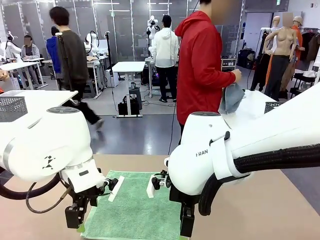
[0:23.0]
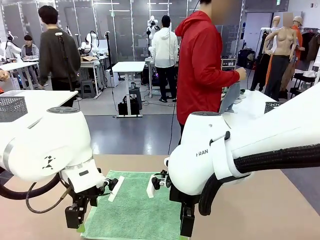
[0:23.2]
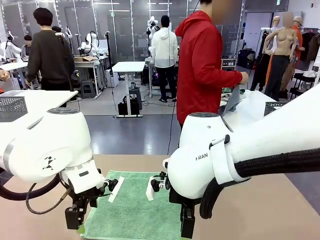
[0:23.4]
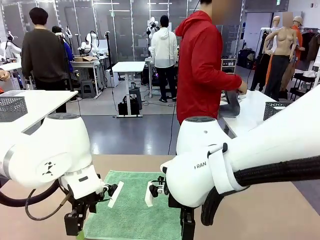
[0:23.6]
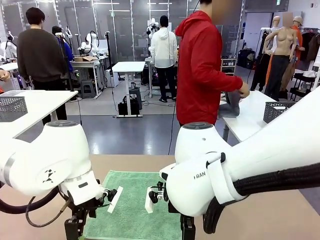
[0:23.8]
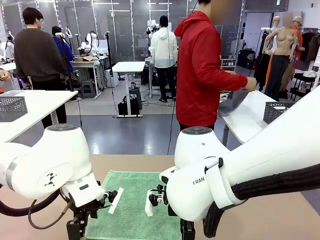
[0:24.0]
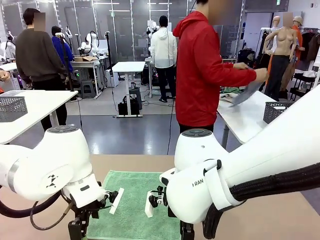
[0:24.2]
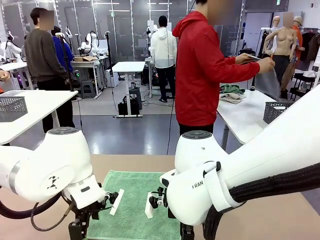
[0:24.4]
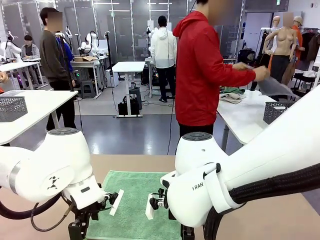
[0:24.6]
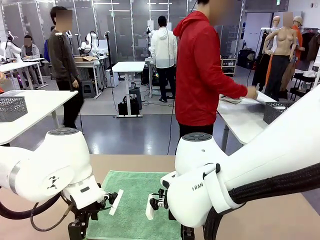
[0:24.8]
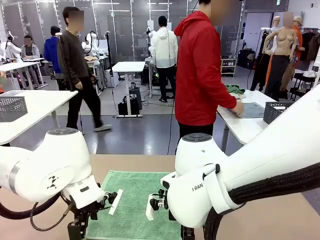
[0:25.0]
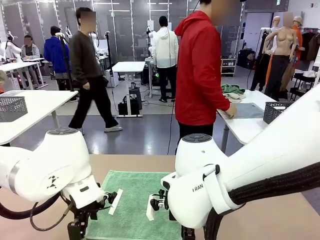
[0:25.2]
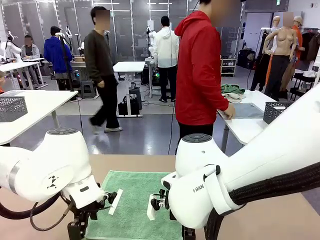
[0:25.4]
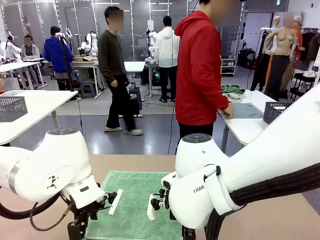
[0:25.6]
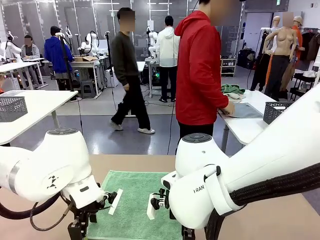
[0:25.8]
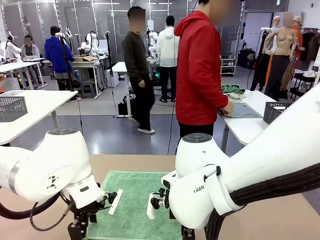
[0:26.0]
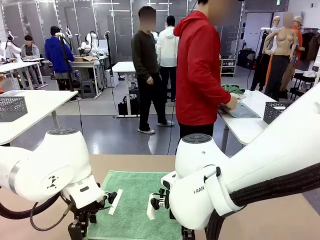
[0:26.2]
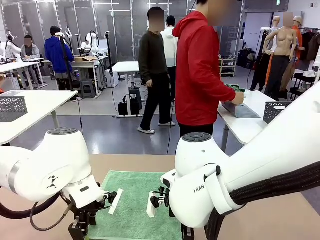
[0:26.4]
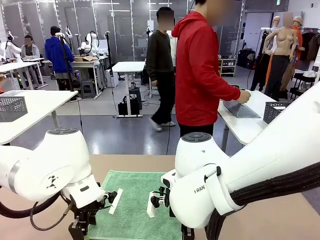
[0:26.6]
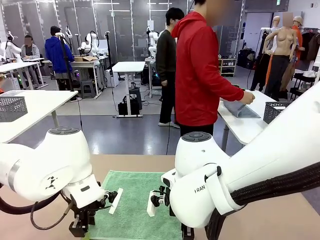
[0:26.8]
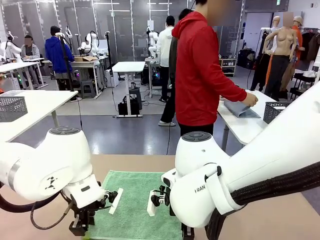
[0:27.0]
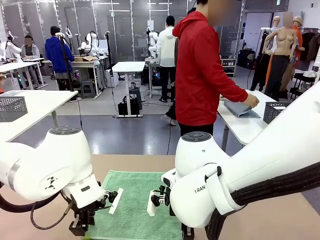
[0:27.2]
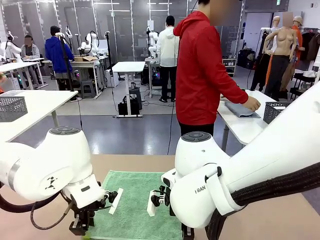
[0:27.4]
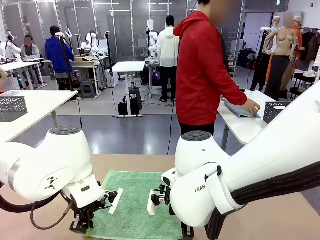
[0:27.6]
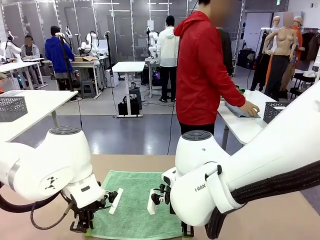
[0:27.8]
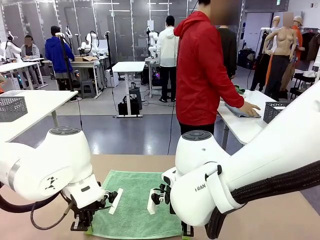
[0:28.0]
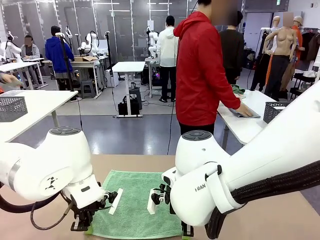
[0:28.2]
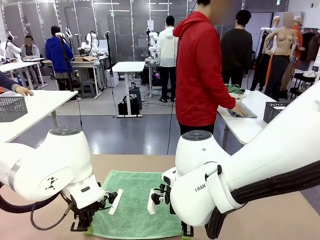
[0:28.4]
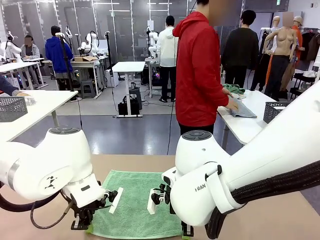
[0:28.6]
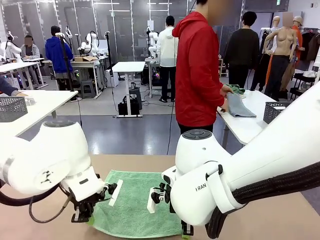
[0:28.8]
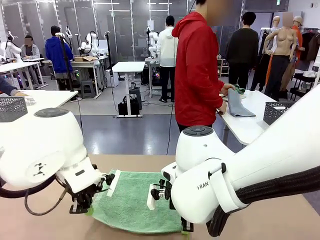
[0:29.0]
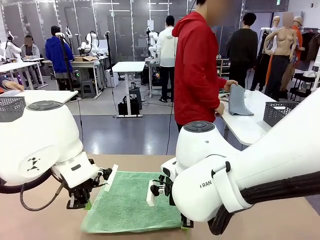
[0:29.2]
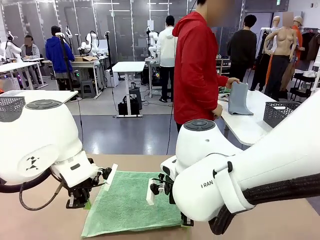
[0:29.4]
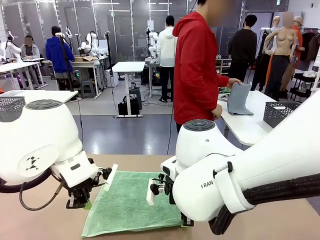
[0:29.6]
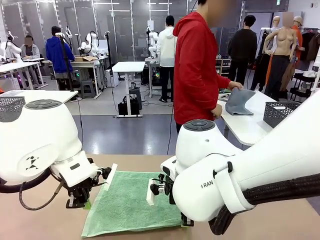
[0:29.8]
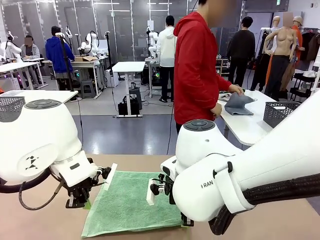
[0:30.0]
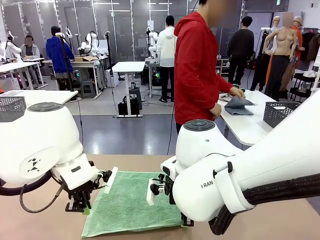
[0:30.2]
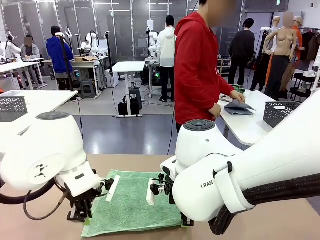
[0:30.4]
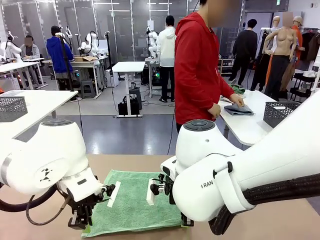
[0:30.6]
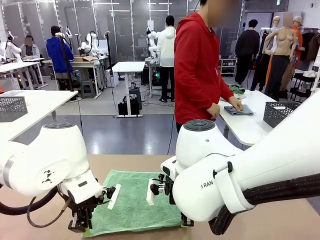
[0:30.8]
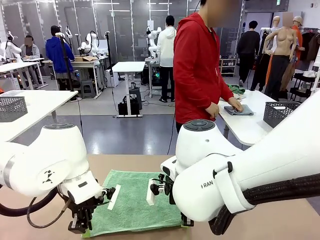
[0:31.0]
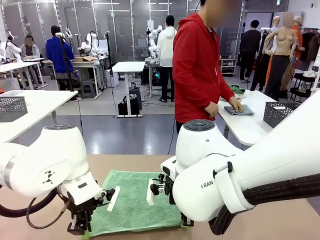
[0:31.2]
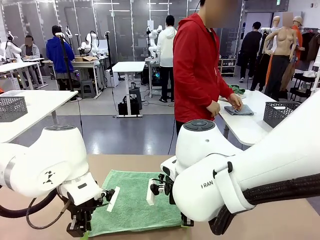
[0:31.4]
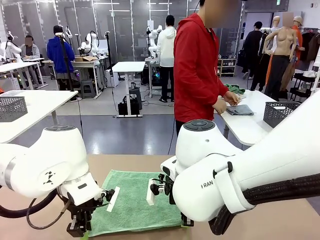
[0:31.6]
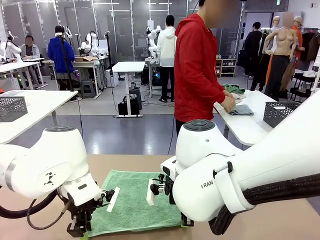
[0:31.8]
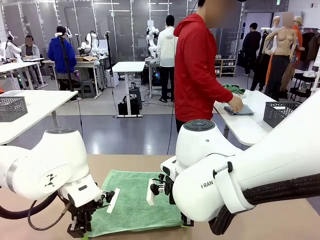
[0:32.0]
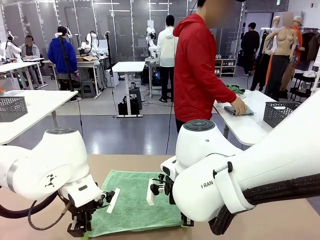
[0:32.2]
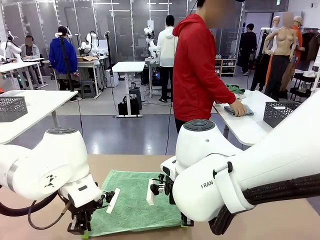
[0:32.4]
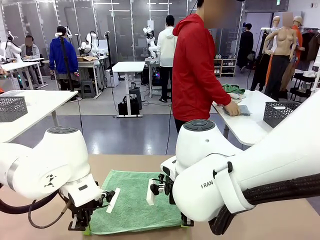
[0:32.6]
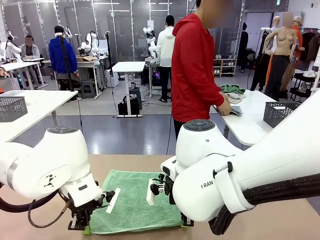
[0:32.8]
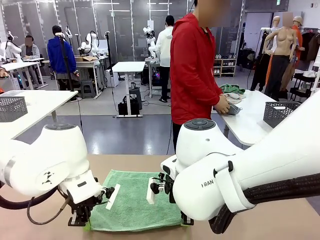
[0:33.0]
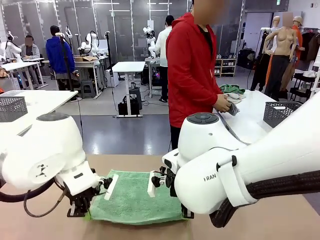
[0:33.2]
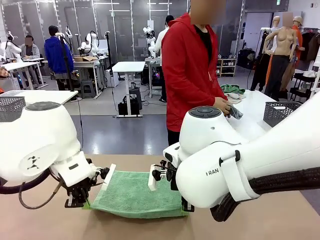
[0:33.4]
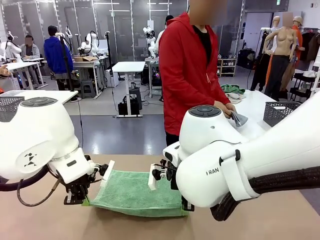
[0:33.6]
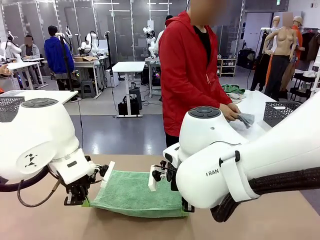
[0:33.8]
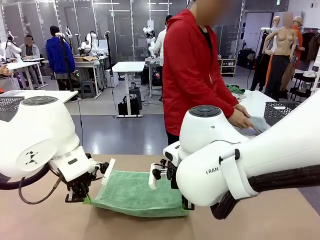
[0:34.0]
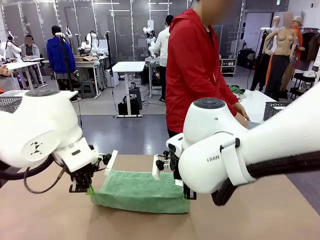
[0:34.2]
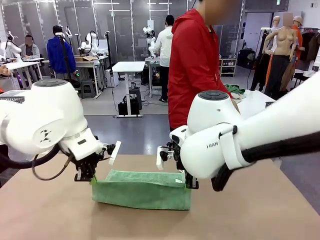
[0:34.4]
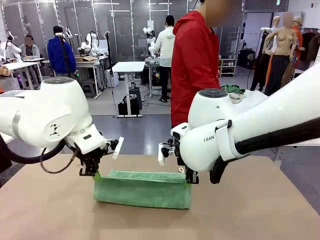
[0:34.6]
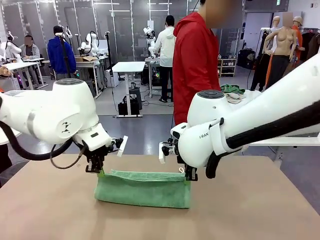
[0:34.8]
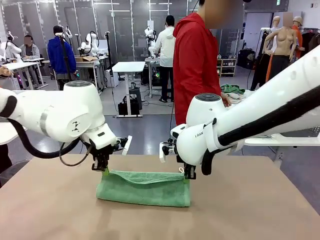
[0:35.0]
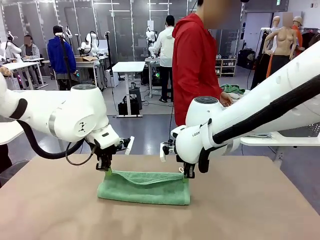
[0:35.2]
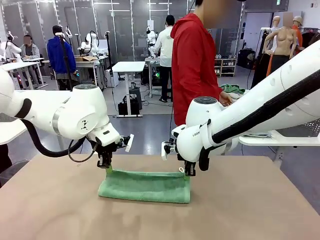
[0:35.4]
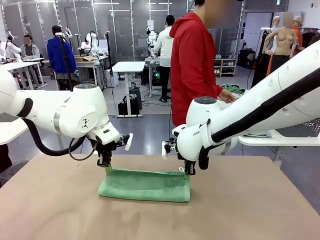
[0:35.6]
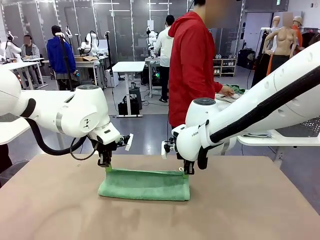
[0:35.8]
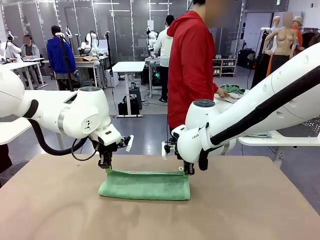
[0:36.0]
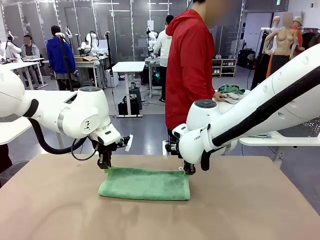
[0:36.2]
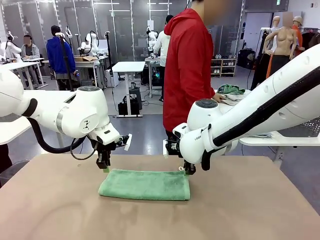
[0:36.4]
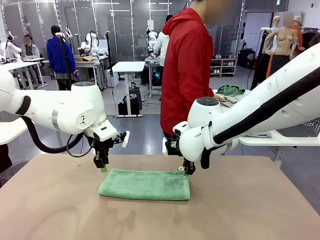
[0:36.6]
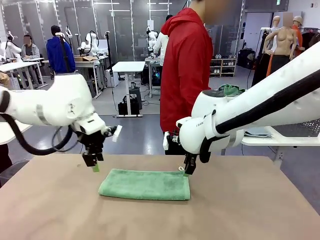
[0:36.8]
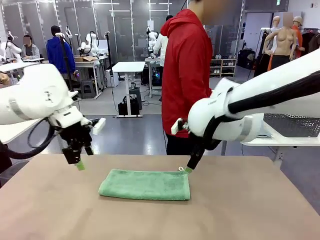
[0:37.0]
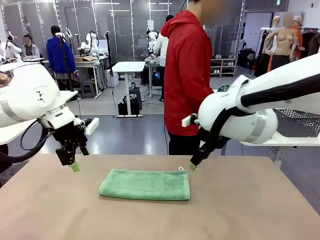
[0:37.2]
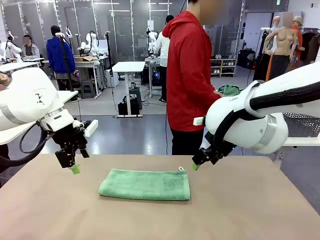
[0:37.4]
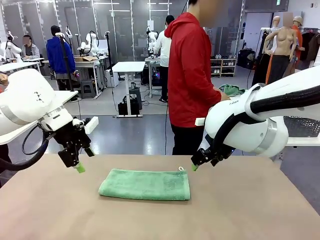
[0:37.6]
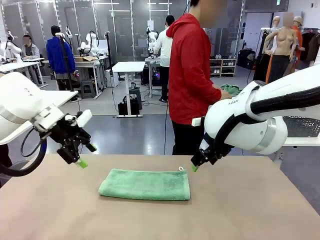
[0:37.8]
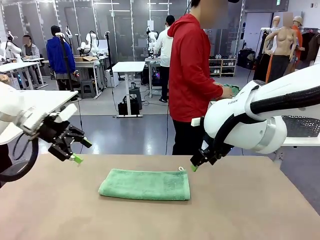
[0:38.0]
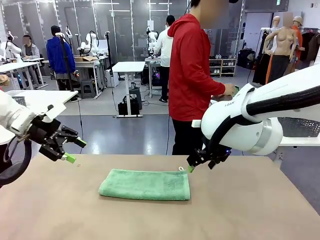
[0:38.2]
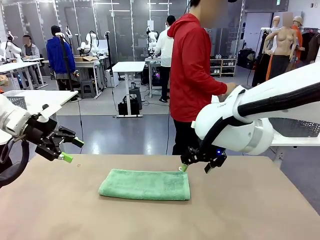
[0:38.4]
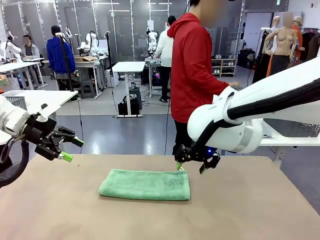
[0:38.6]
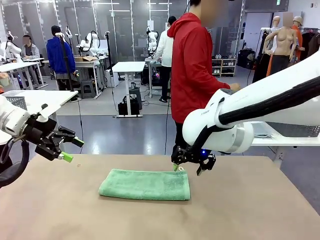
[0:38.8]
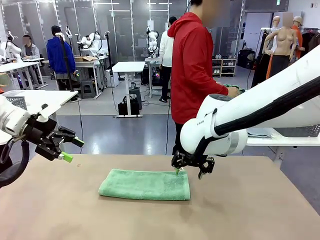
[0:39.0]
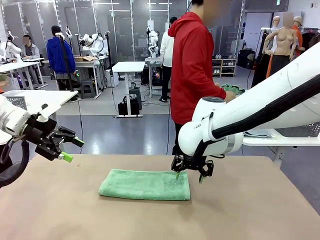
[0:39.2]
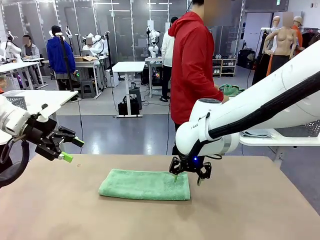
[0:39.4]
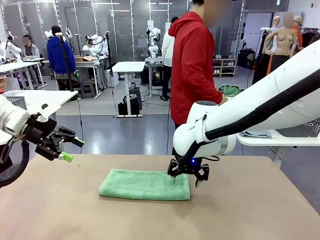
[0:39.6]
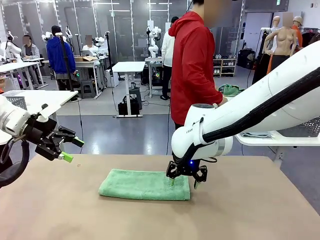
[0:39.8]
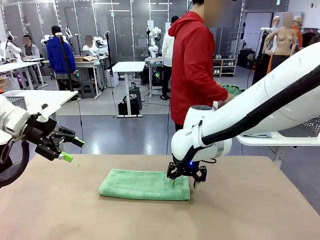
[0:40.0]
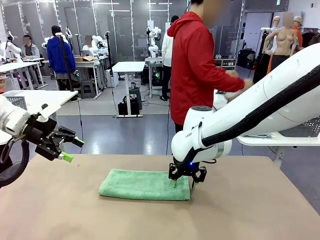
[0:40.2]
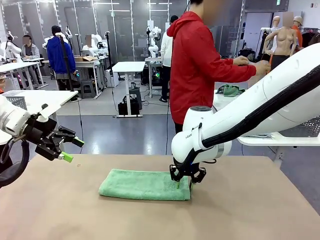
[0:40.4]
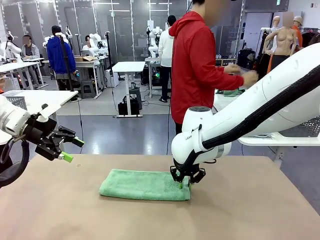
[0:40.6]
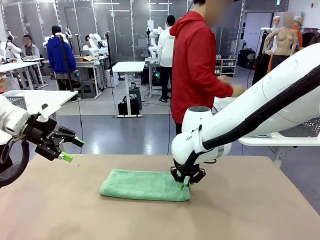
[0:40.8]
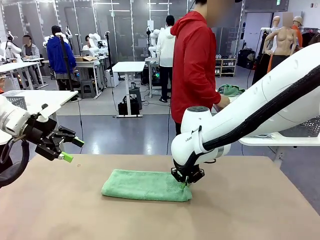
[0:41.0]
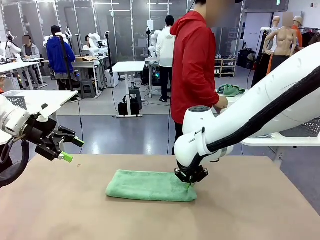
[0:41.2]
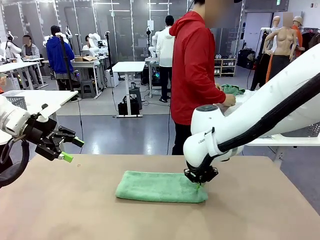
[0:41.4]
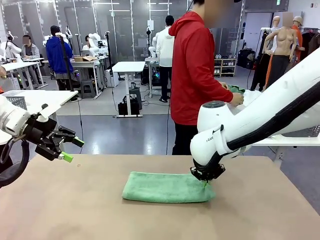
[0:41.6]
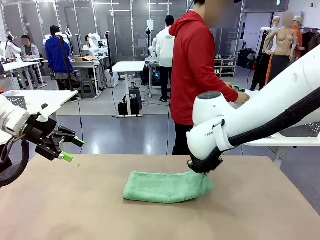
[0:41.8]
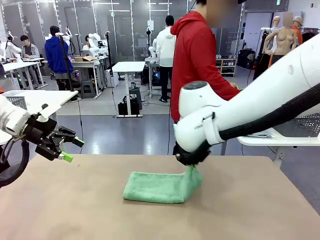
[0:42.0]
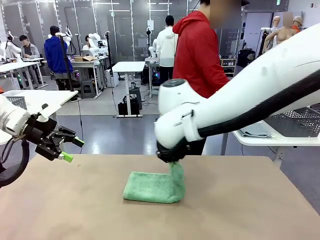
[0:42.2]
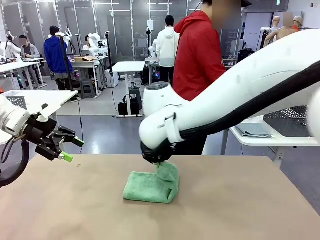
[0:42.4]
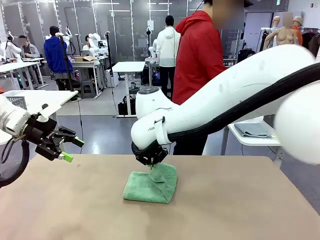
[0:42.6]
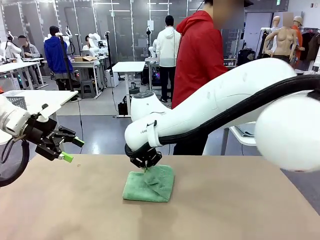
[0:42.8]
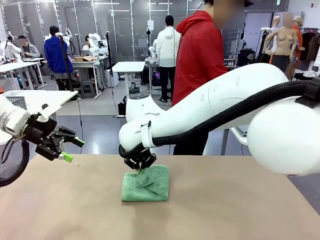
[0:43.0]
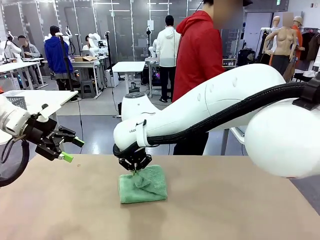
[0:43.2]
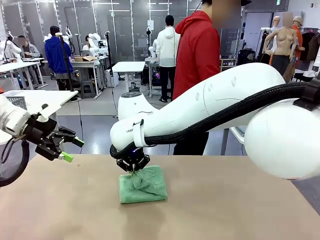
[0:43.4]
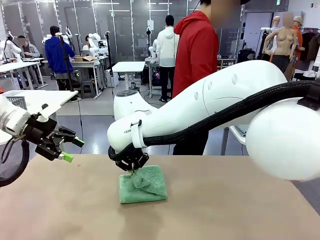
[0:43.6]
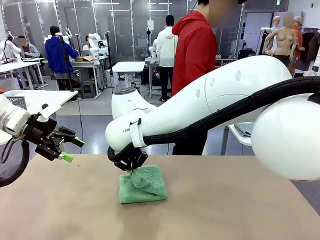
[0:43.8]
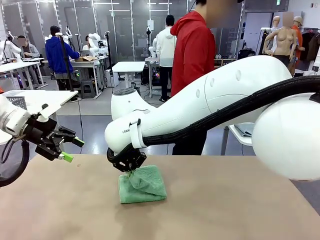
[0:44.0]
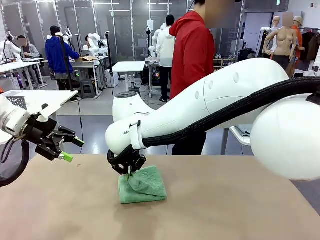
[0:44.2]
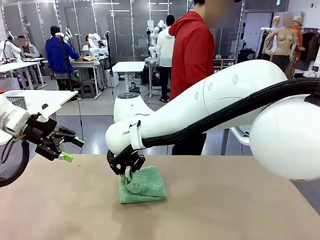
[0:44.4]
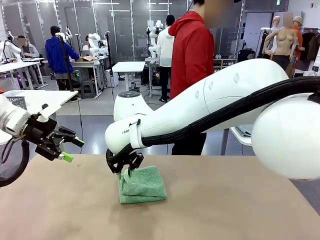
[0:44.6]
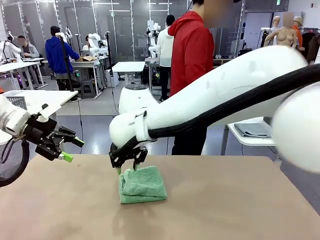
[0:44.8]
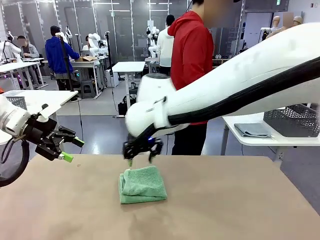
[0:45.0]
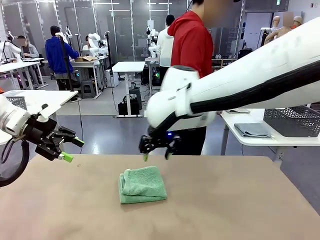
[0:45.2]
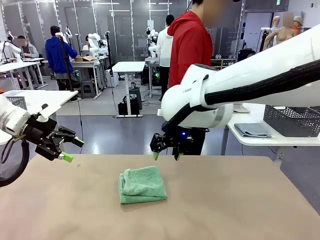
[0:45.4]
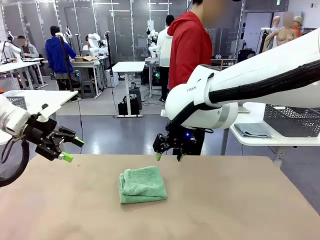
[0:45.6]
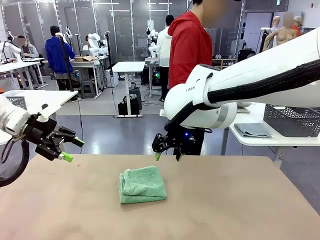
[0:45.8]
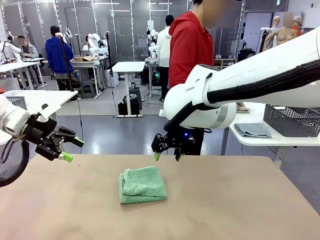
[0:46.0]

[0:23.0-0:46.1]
Task: Fold the towels and place them in the basket.
Robot: When a person lays out a Towel with hook on the table, fold it in half twice.
Person: Pick up one towel from the left side of the human table, fold it in half twice, and place it on the right side of the table. Pick up one towel from the left side of the human table, fold it in half twice, and stack it on the right side of the table.
